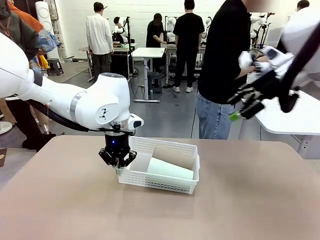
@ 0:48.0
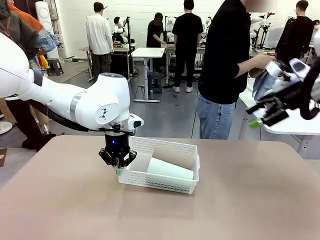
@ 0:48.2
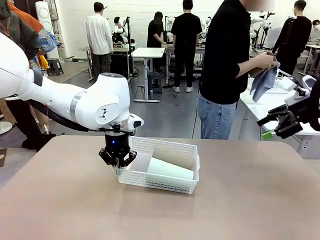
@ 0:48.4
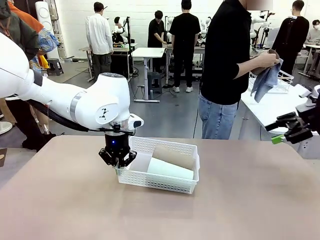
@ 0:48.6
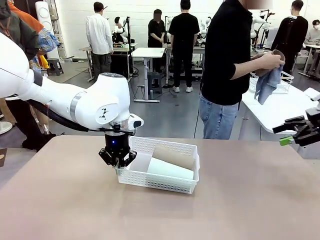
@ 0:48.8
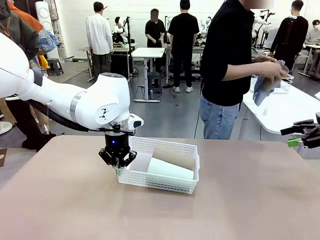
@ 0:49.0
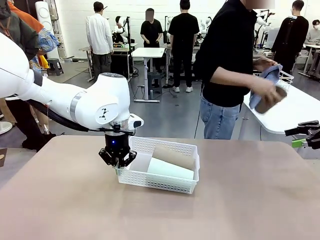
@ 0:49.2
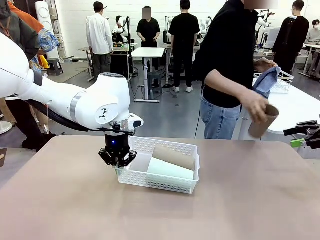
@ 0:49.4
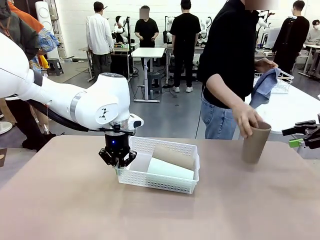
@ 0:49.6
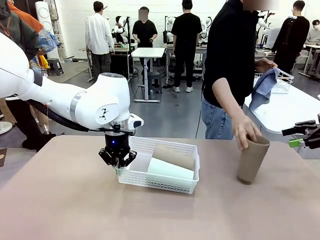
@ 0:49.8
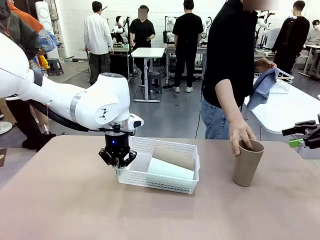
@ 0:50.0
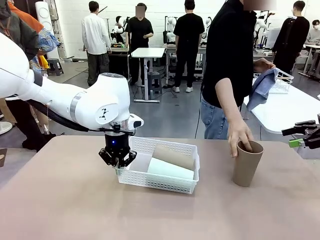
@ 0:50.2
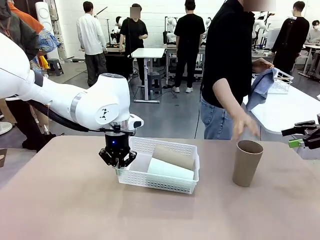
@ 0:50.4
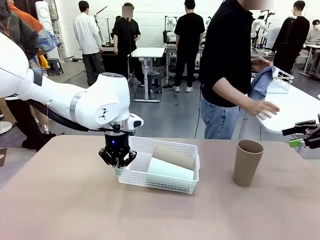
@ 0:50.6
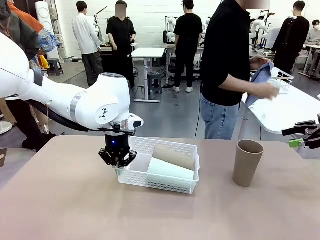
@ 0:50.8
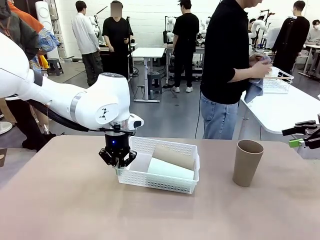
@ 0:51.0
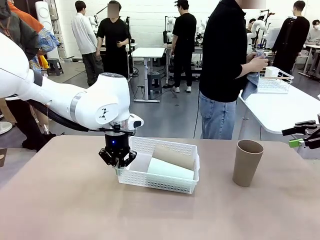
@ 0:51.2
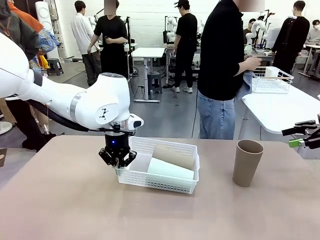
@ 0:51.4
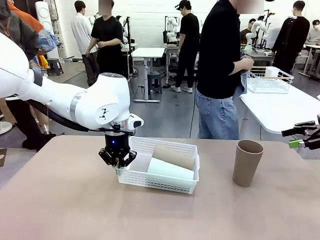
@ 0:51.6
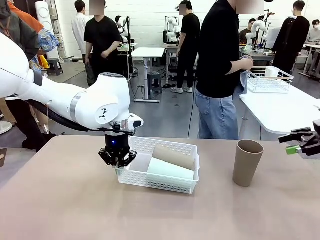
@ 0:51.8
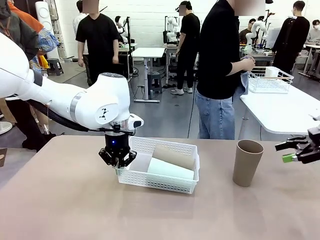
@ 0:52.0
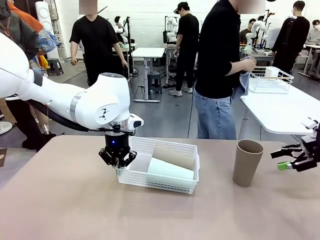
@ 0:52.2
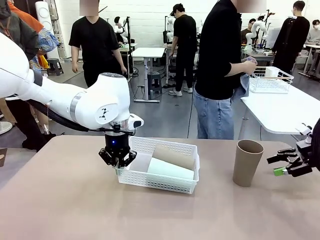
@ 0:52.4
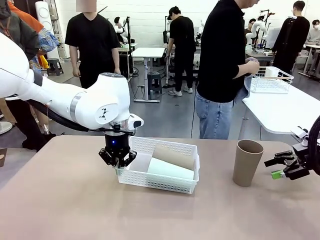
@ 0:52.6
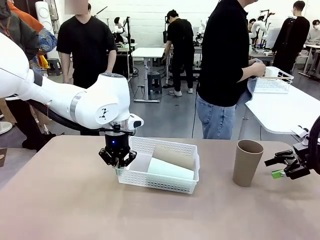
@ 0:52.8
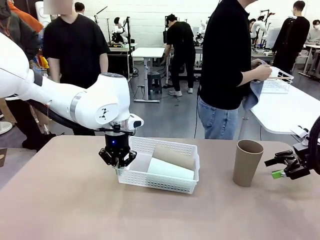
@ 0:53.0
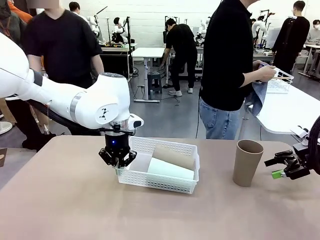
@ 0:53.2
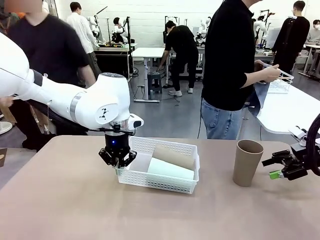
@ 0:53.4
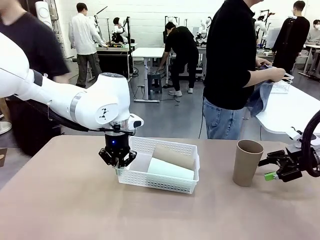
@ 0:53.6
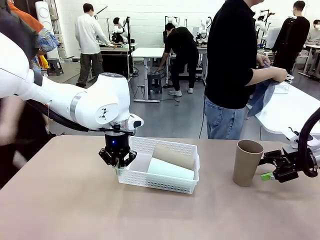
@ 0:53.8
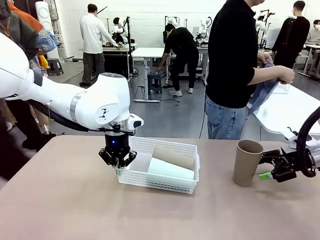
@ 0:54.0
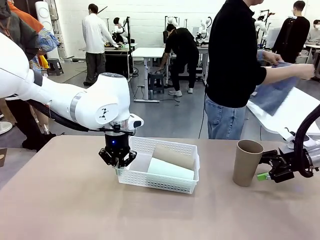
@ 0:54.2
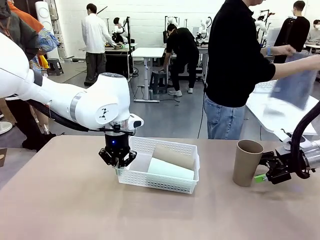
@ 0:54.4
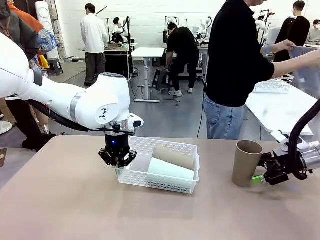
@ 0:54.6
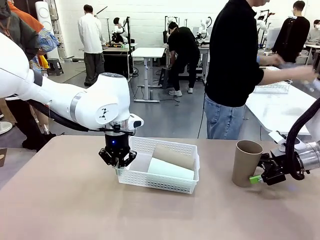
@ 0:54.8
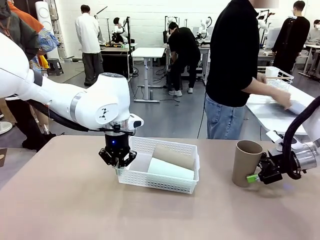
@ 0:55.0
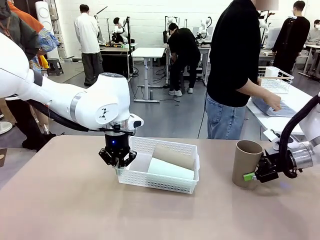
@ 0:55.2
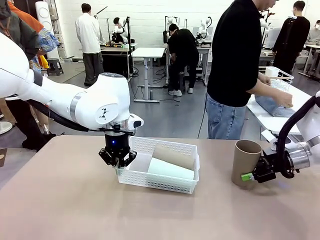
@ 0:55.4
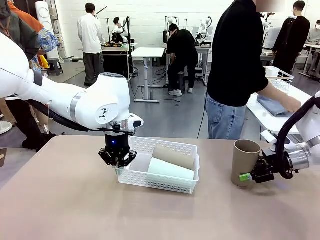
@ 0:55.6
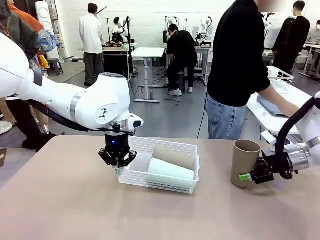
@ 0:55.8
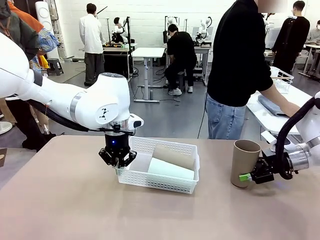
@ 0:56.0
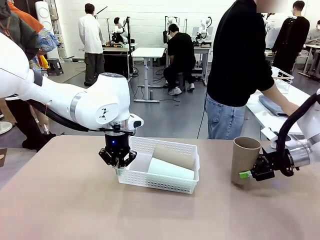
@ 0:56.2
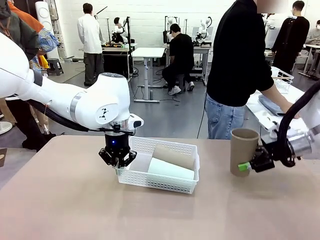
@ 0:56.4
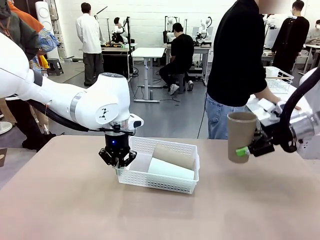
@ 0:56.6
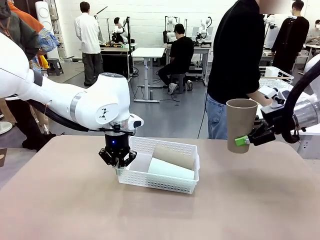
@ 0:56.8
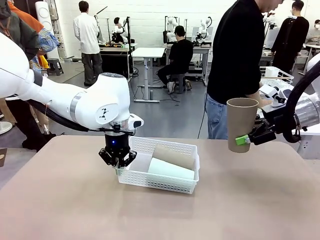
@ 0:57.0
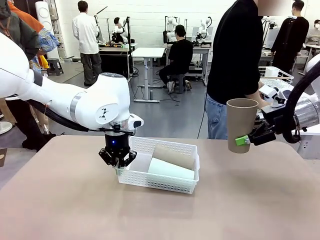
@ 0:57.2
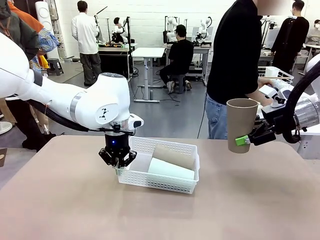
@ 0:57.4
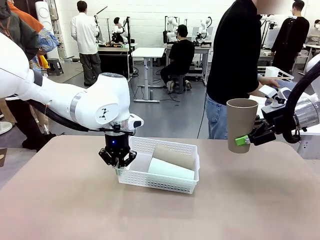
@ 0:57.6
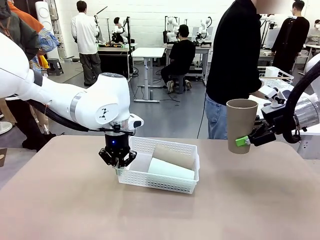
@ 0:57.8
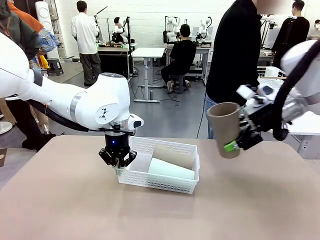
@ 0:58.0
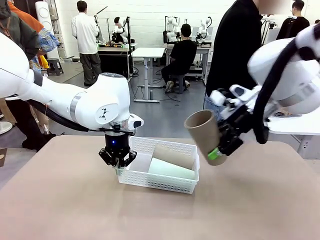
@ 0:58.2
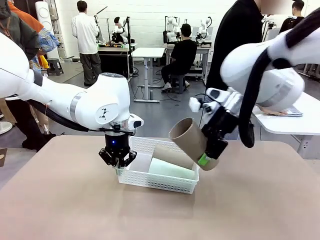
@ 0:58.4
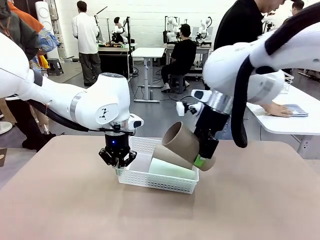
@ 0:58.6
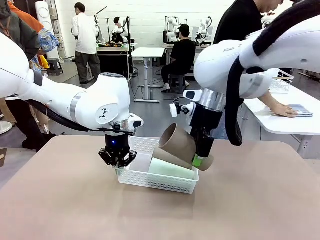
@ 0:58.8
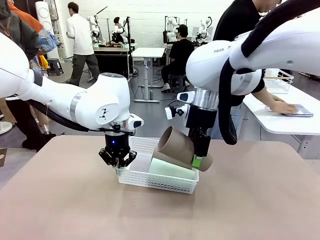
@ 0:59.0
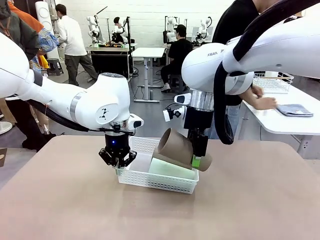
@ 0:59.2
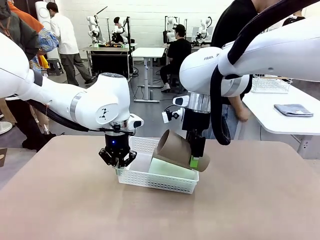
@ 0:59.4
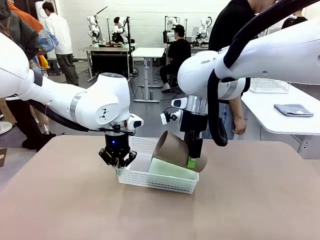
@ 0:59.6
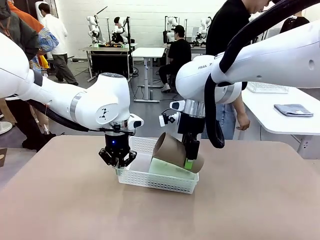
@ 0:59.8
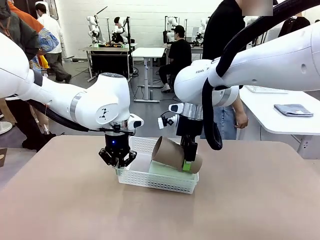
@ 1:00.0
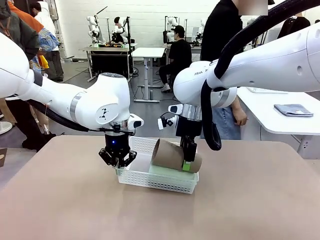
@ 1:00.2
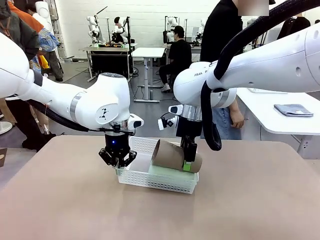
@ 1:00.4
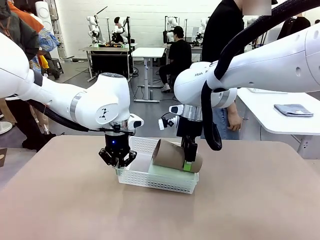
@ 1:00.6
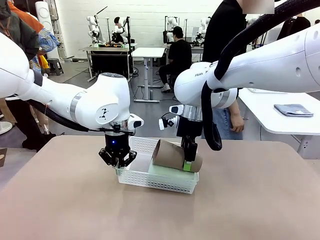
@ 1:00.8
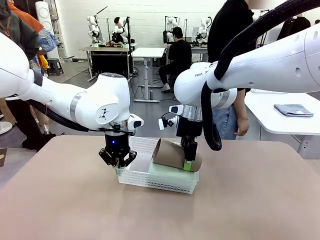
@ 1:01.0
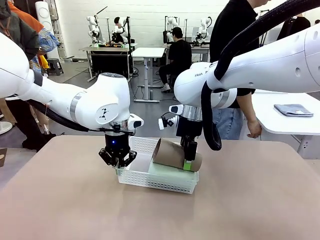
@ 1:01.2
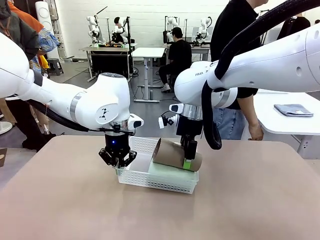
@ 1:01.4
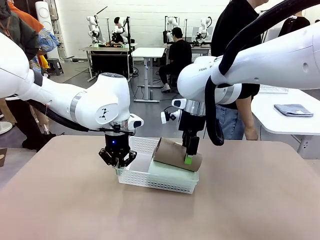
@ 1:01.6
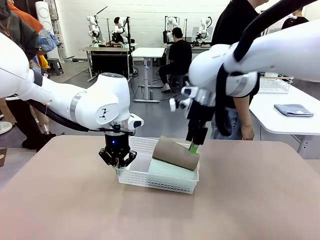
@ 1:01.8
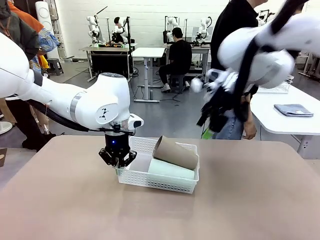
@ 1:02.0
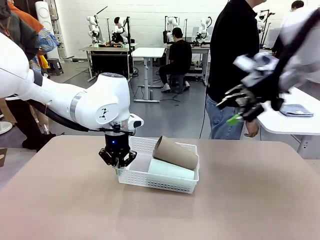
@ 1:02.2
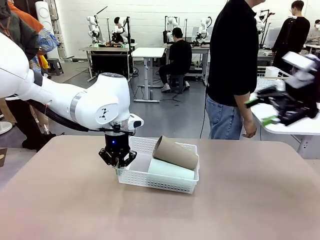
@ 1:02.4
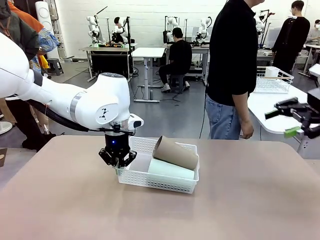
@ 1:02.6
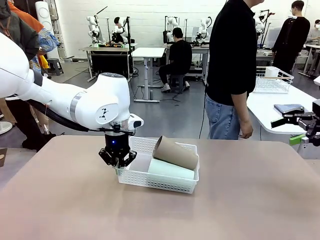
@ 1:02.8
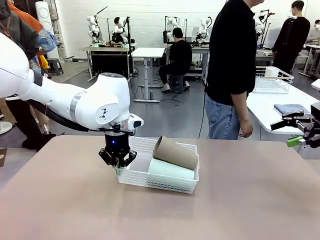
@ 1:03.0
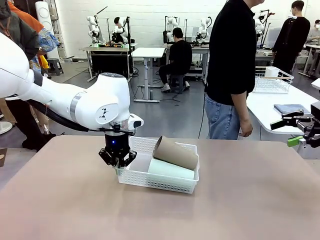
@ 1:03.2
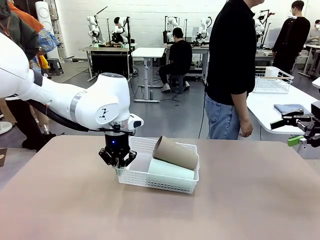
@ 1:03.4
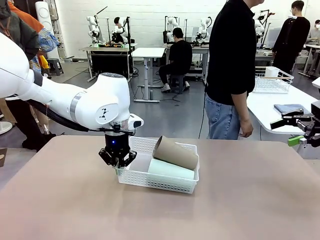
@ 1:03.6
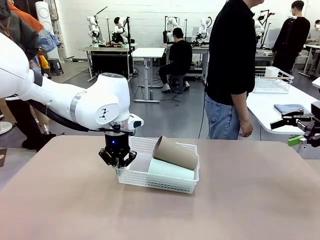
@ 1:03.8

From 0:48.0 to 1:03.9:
Task: Clean and organize the cups into the basket.
Robot: Pick up the Reusable plastic cup from the right side of the table and stack it inside the Organizing basket in the center of the table.
